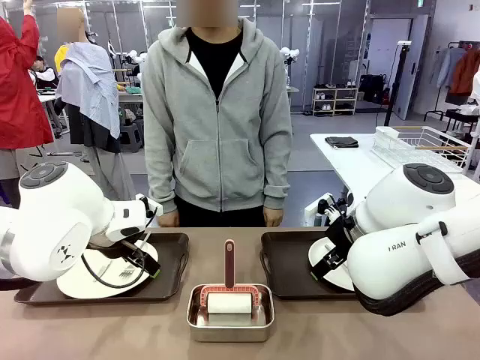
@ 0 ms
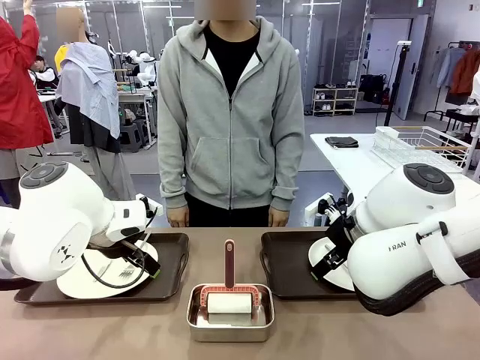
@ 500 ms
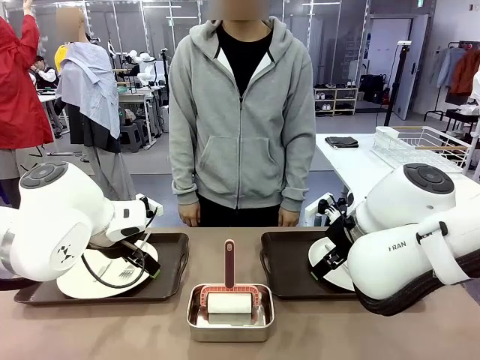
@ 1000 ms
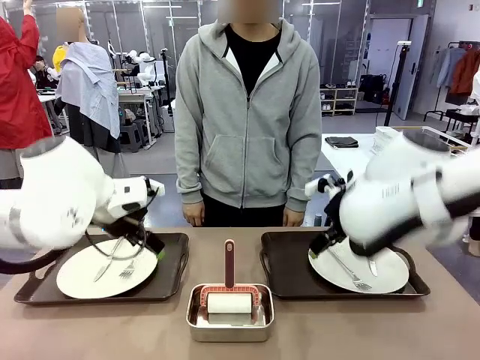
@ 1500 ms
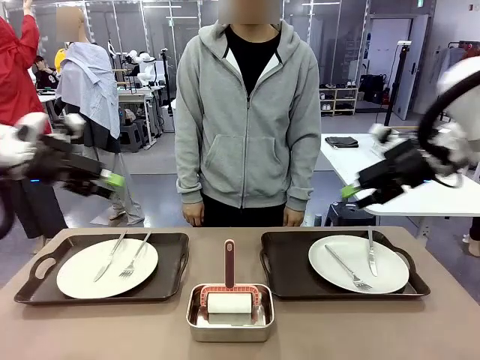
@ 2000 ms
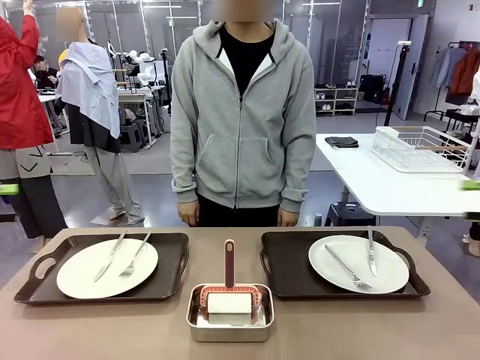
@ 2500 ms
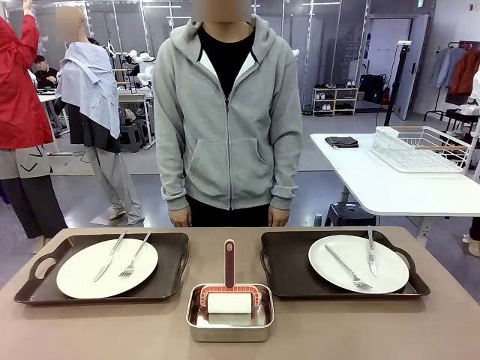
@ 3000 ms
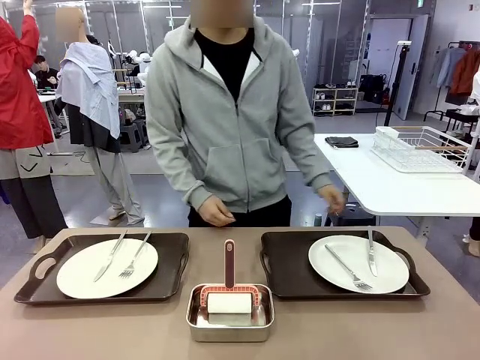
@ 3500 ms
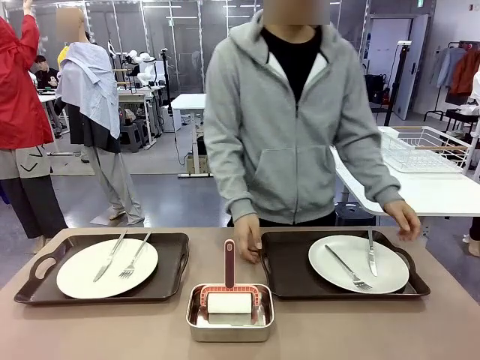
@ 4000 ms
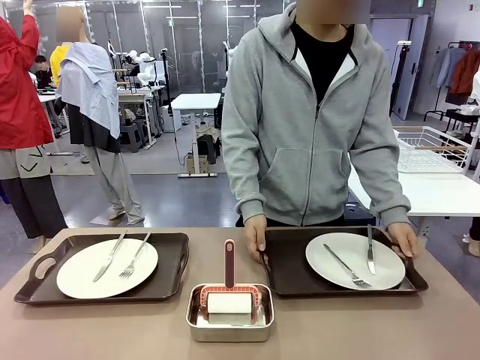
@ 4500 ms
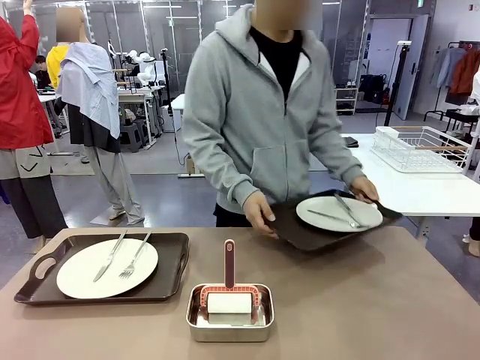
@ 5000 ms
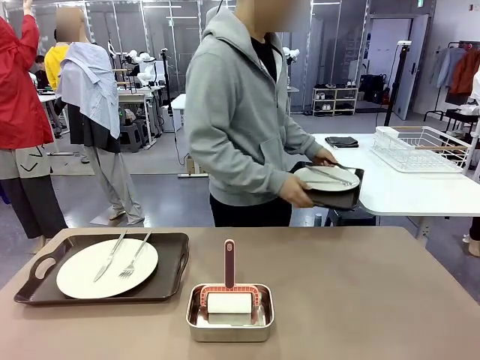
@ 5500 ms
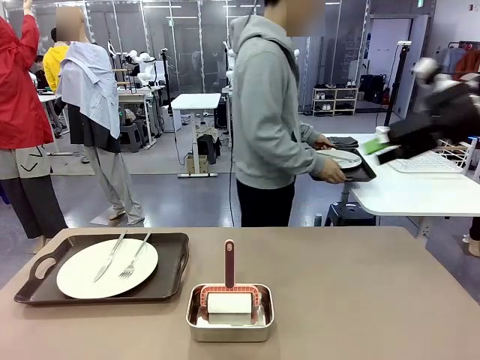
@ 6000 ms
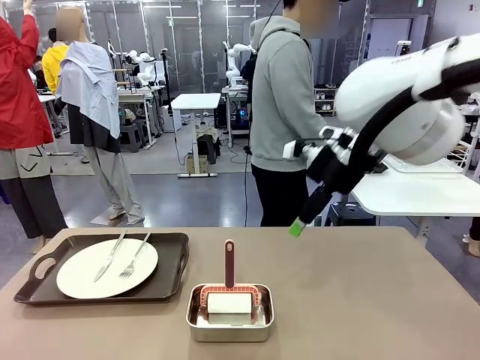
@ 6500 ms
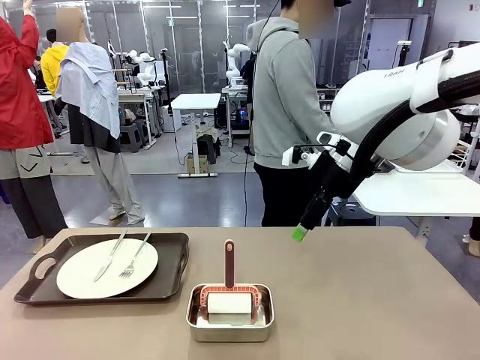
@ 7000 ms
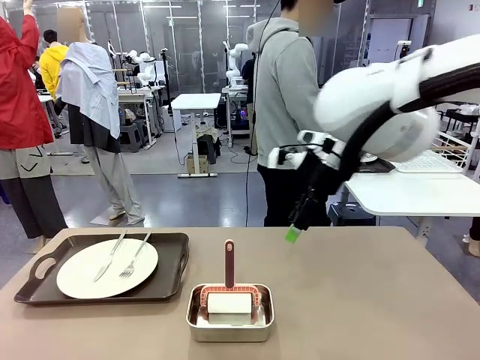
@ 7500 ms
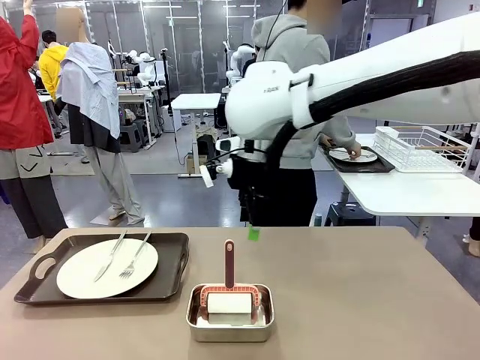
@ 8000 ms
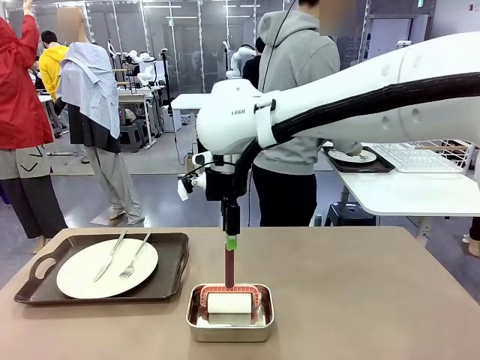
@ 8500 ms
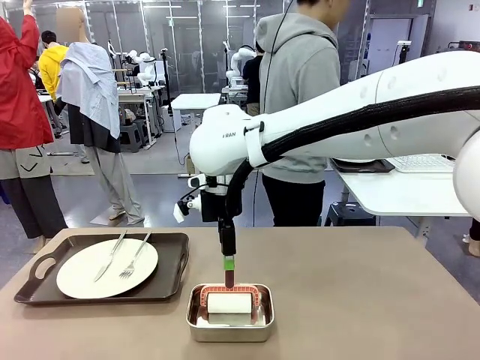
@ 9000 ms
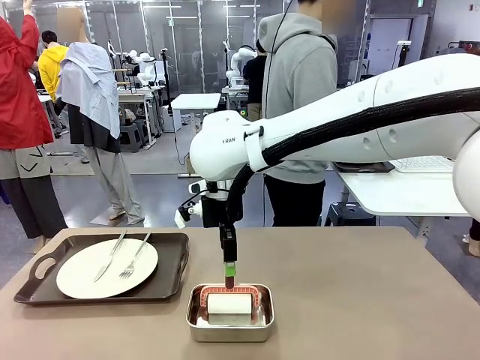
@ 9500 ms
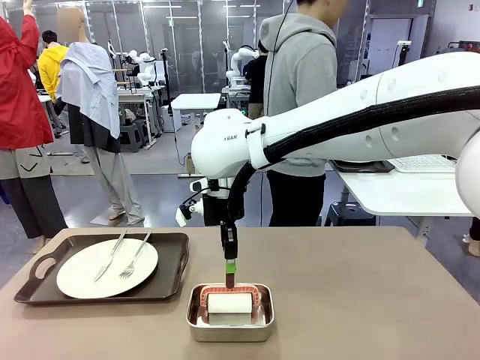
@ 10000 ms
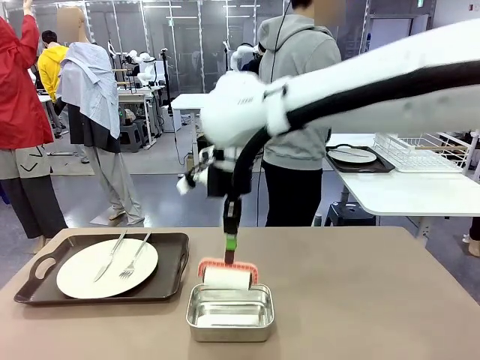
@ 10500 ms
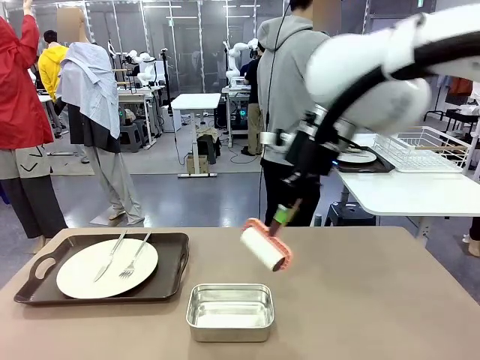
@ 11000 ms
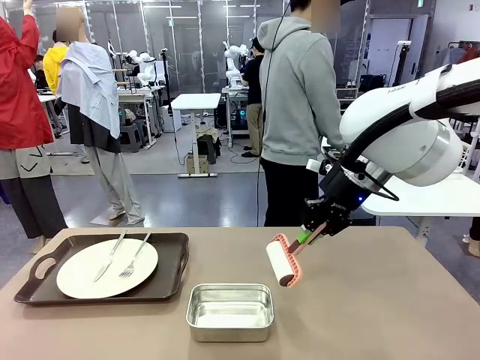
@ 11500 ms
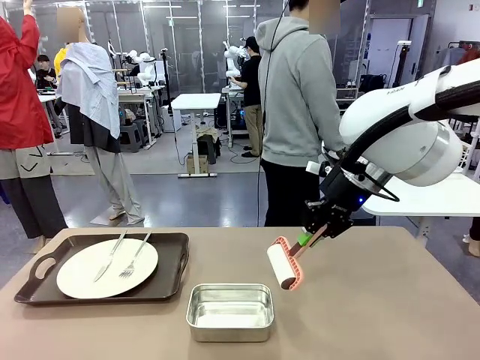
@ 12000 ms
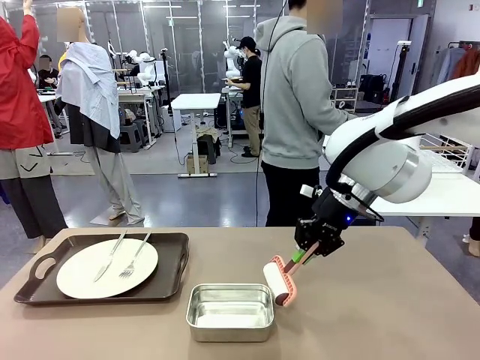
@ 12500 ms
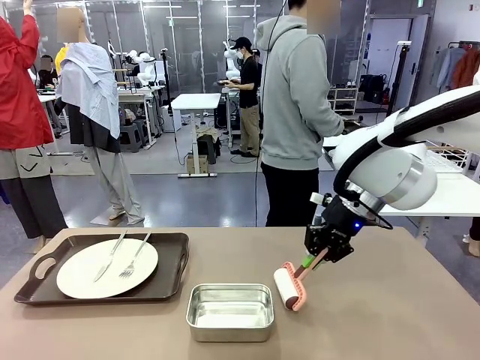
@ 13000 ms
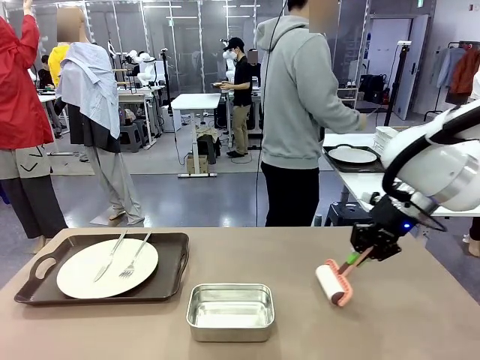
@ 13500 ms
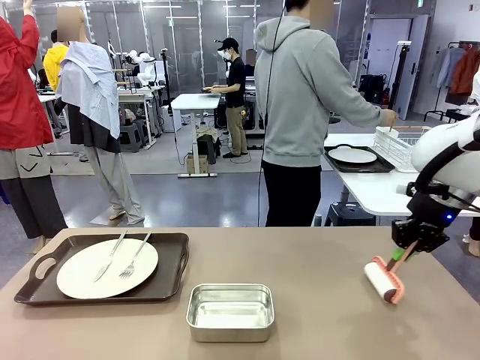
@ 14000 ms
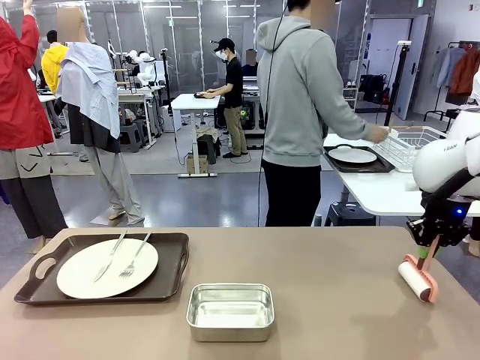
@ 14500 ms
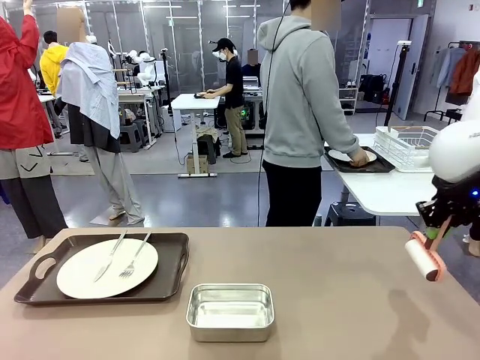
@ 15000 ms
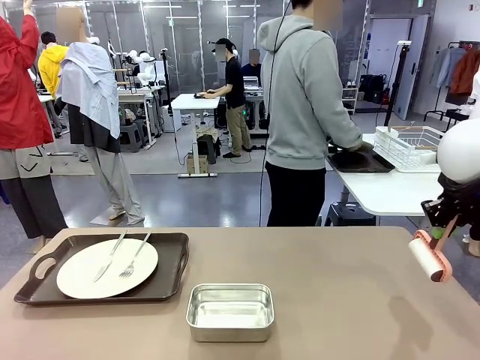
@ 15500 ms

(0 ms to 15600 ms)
Robot: When the left (or right) Handle tray is removed, use the left hand (or right hand) to clean the left (or right) side of the table with the Lint Roller.
Person: Pick up the left (or right) Handle tray and place it on the middle of the Human's table. Use the Towel with hook to wipe the Plastic Matte Plate , Fork , and Knife and place into the Dish drying rack.

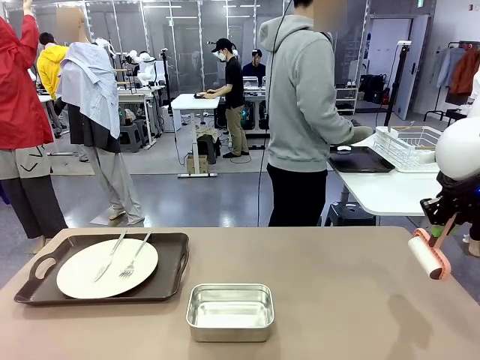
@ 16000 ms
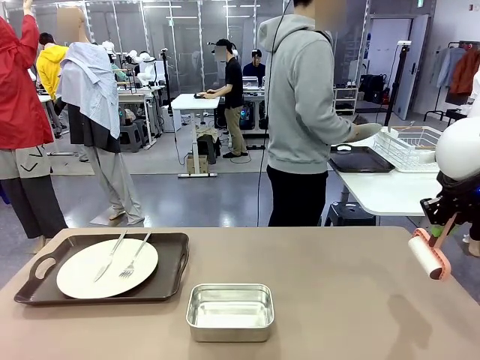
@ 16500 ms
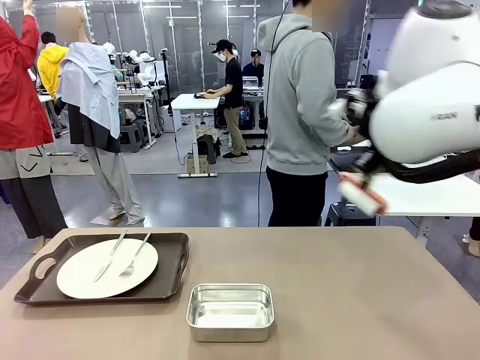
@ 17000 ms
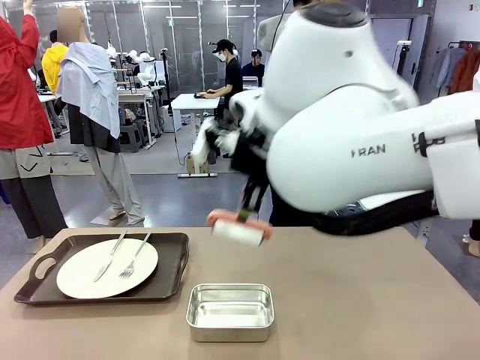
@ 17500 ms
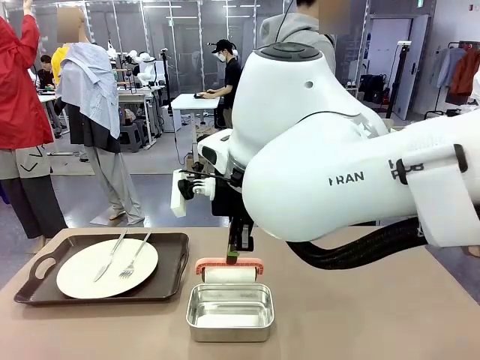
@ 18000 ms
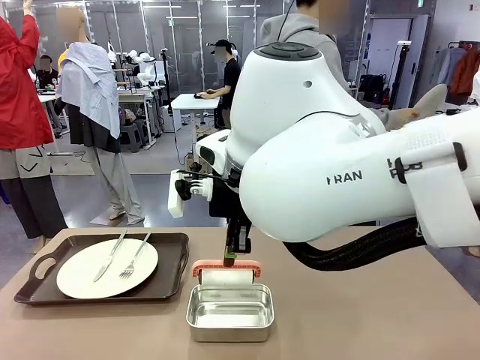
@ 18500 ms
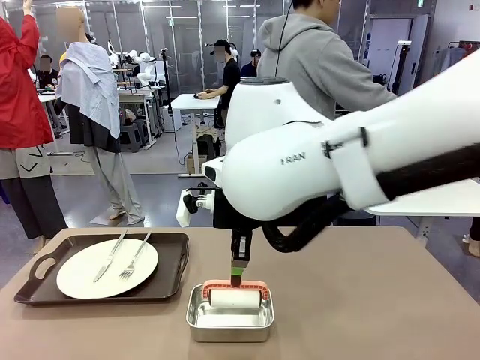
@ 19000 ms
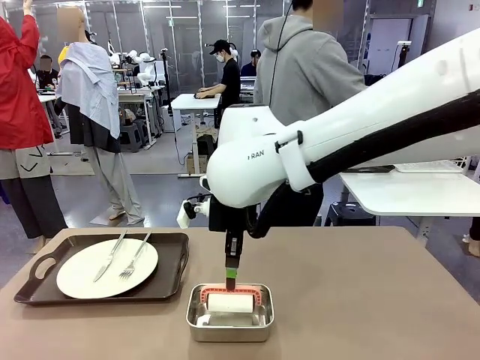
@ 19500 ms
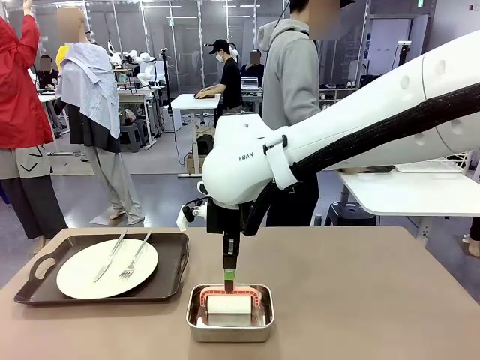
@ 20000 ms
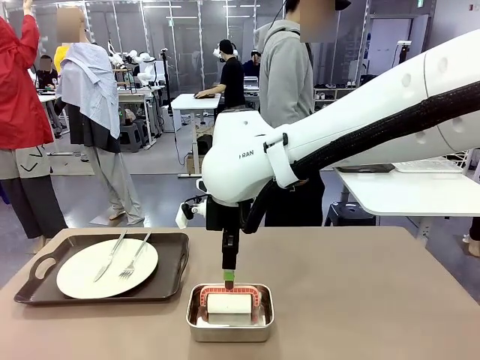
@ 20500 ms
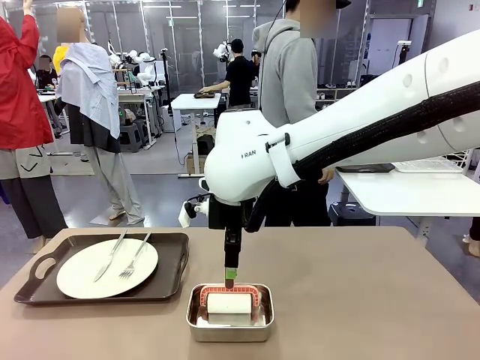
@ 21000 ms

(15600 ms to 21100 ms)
Robot: Place the Lint Roller back on top of the Airtight Container.
